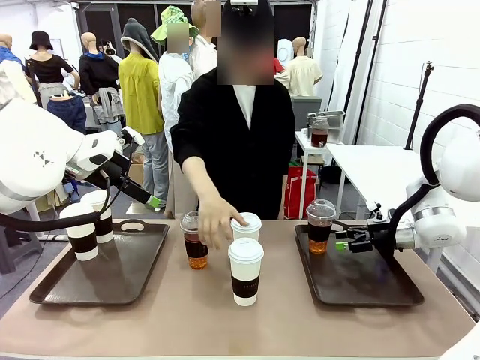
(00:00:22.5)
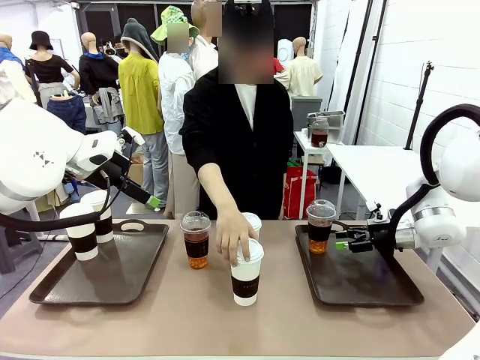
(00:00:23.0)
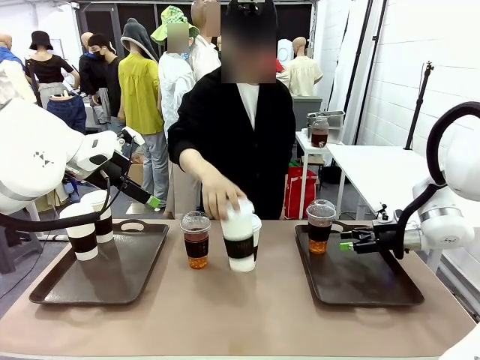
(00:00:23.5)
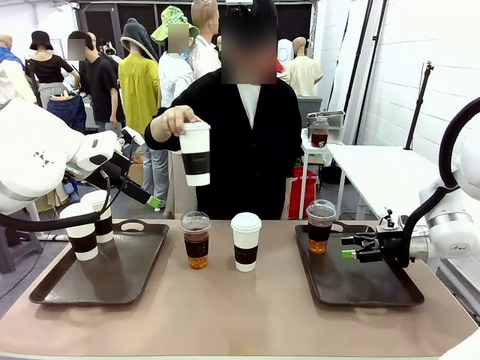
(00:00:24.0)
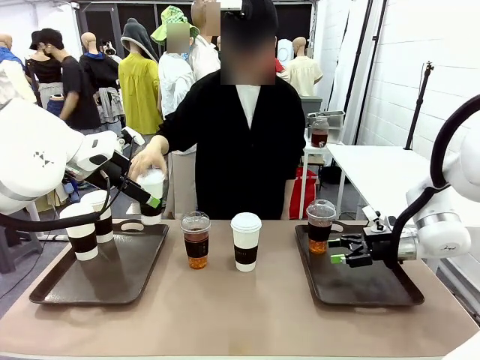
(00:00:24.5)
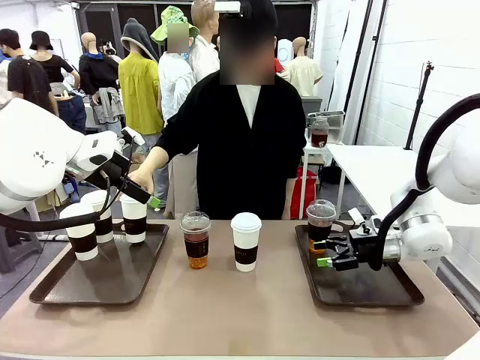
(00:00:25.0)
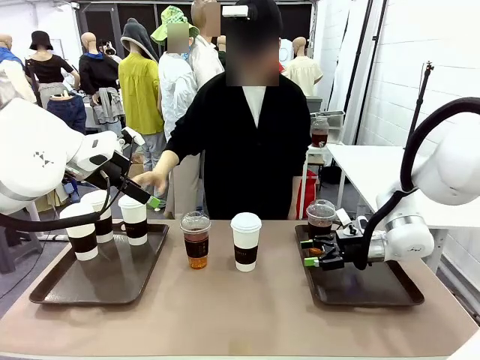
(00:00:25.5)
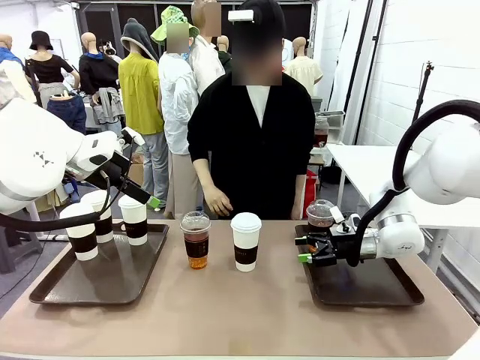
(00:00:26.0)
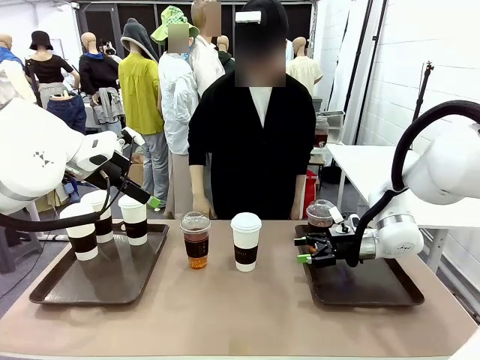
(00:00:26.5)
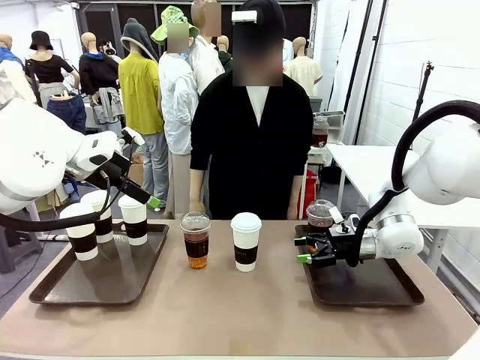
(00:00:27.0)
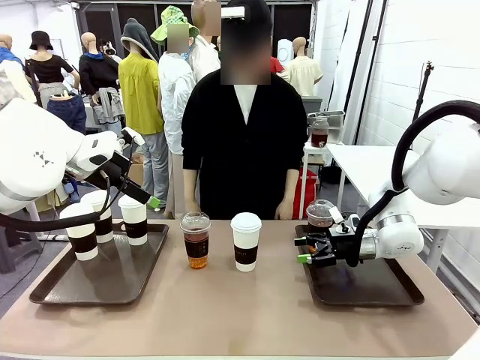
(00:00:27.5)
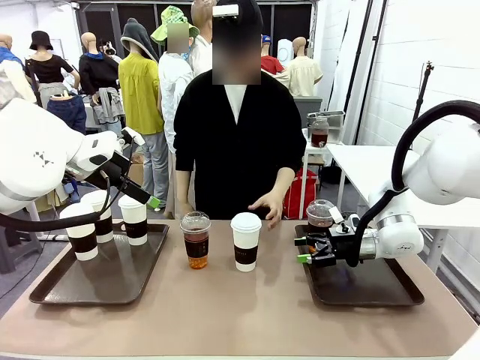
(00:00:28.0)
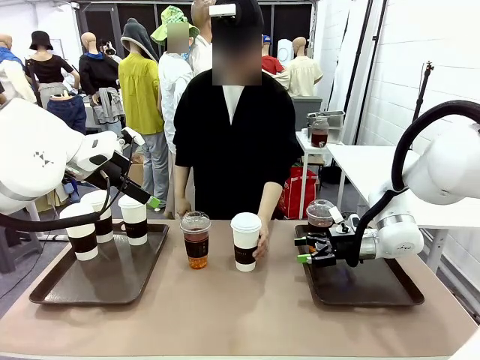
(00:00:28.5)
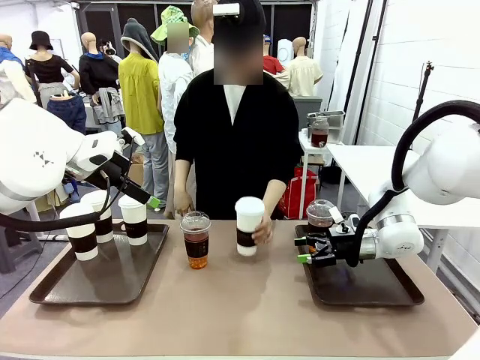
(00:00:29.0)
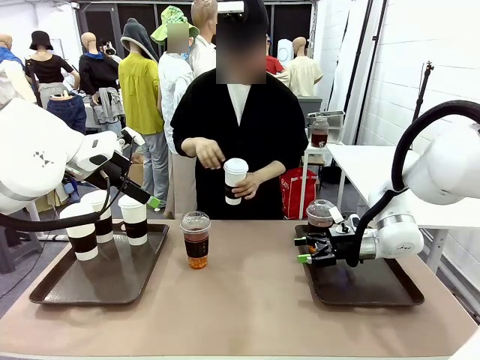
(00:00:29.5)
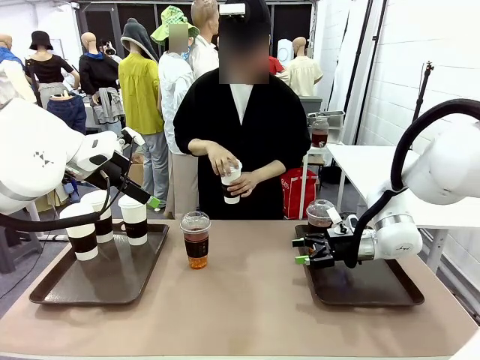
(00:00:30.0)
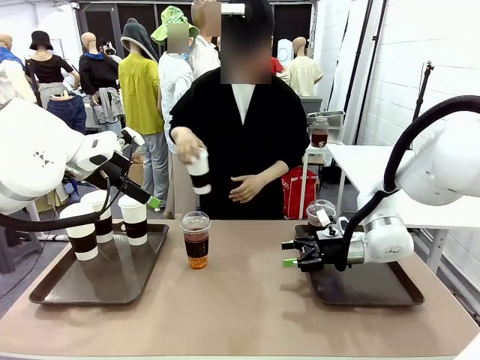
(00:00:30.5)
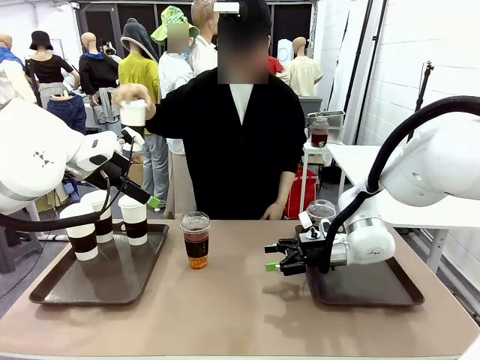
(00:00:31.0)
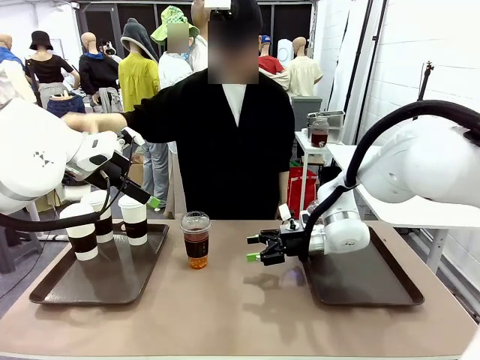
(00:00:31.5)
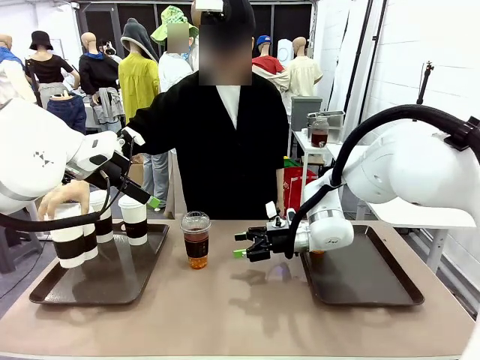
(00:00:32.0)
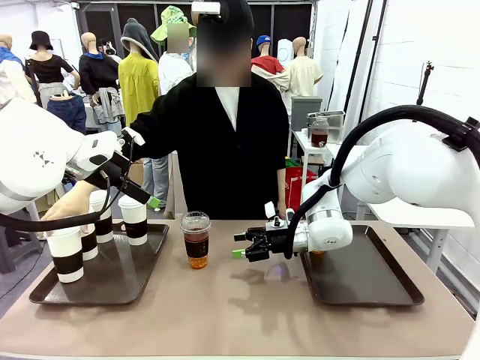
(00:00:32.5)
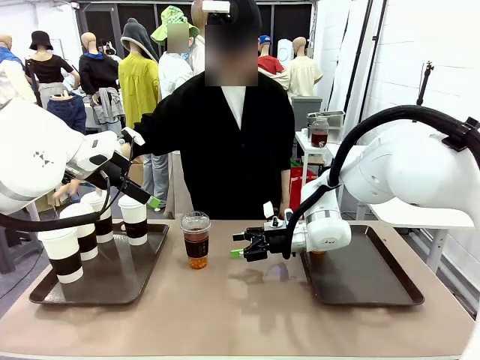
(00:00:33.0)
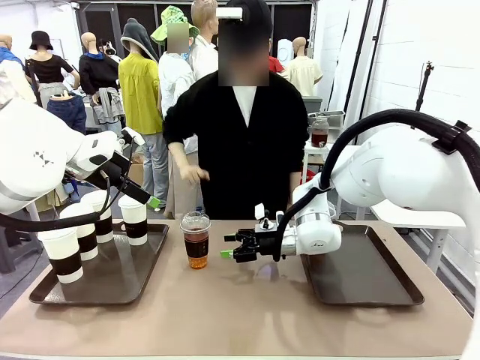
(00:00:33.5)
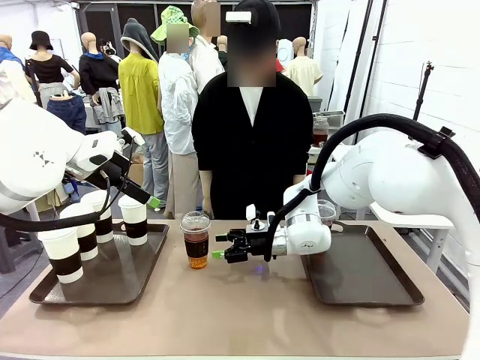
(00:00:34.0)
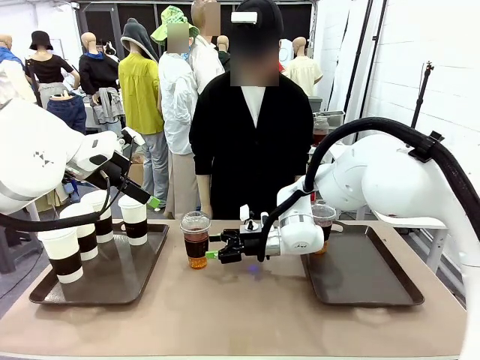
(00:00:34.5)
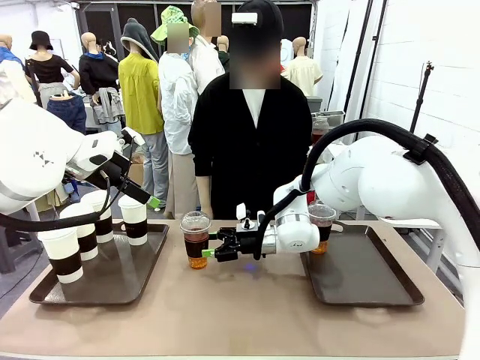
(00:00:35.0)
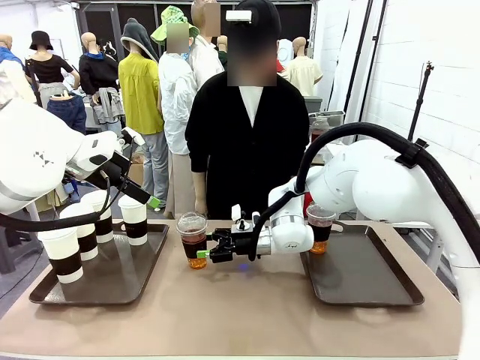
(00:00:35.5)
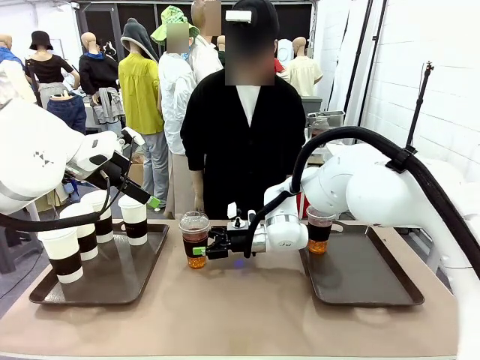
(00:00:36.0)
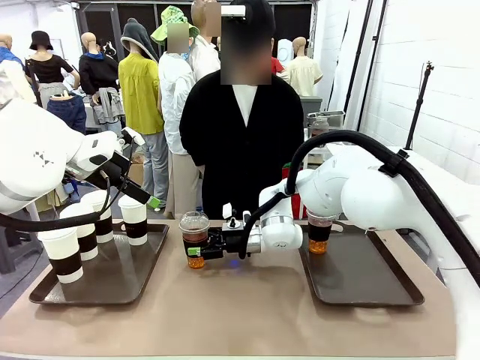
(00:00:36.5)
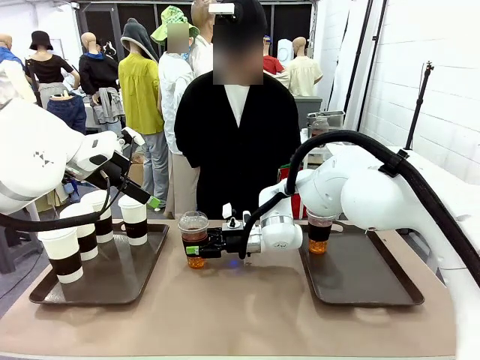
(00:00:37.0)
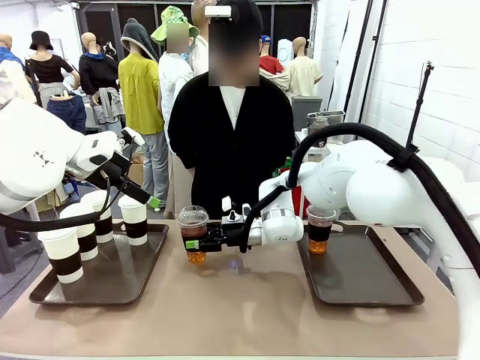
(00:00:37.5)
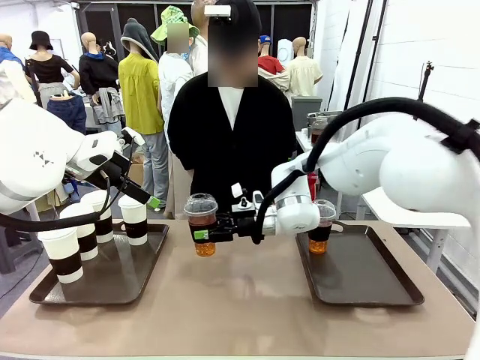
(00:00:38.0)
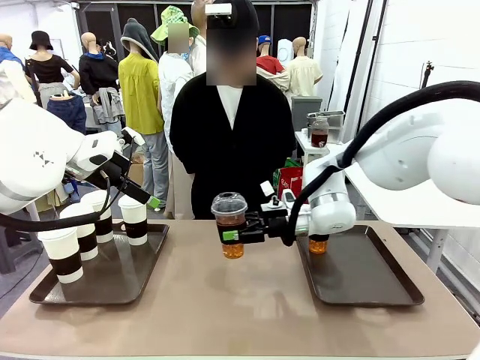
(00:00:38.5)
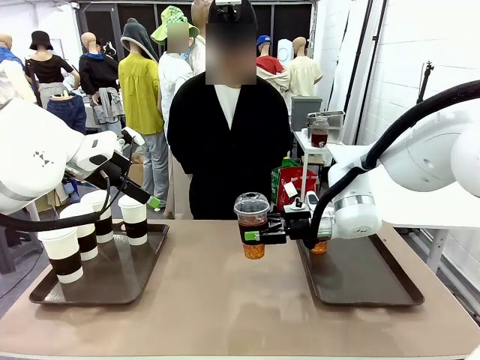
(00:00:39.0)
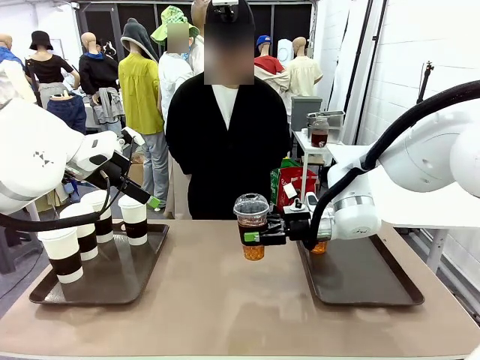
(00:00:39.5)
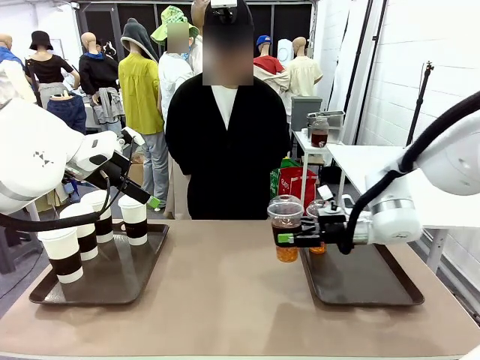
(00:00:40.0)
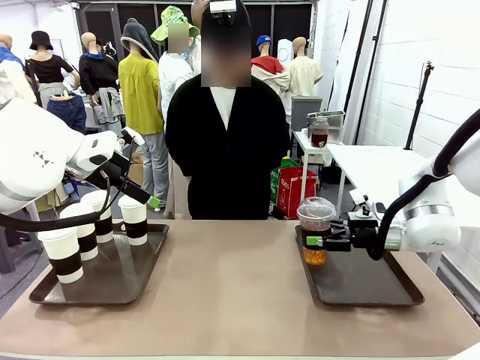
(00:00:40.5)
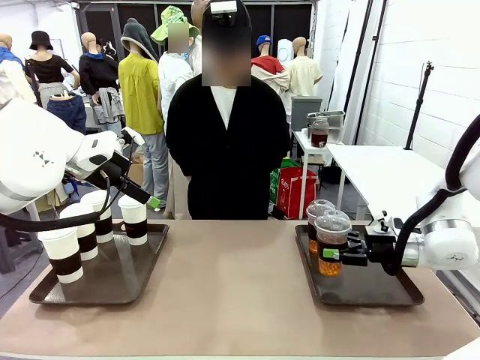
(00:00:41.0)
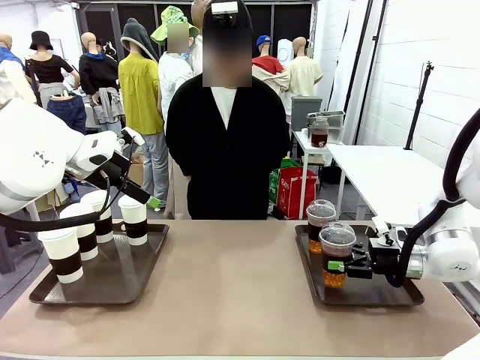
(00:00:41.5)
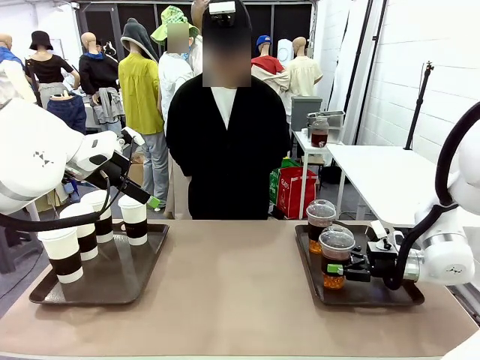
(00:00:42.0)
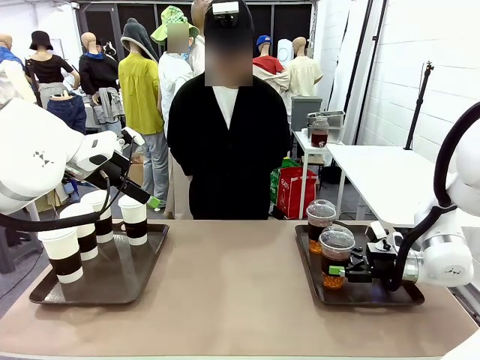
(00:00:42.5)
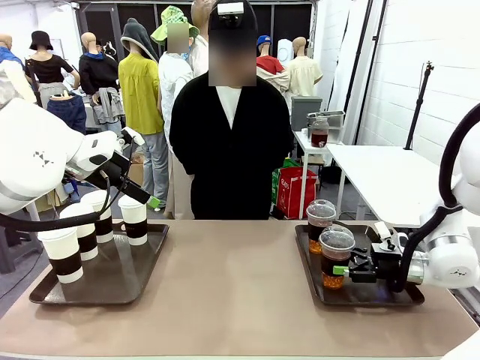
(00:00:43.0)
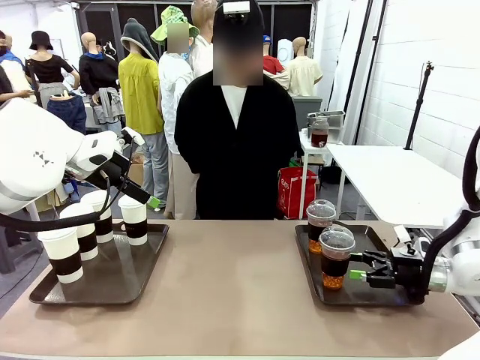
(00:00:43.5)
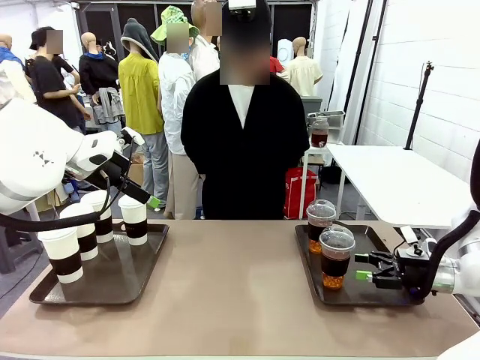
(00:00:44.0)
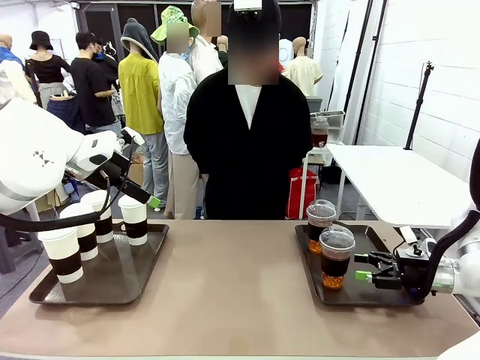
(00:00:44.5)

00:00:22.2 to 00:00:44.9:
Task: Distribute the coffee onto the tray.
Robot: Pick up another iced Americano from the middle of the table and place it on the right Handle tray.
Person: Pick up a cup of hot Americano from the middle of the table and place it on the right tray.
